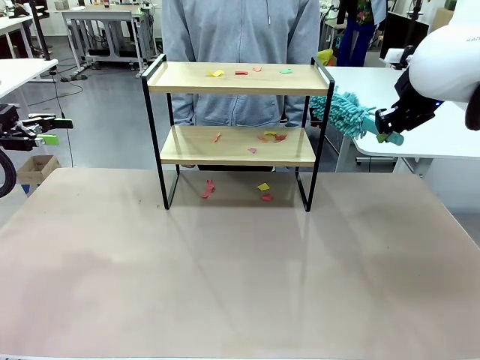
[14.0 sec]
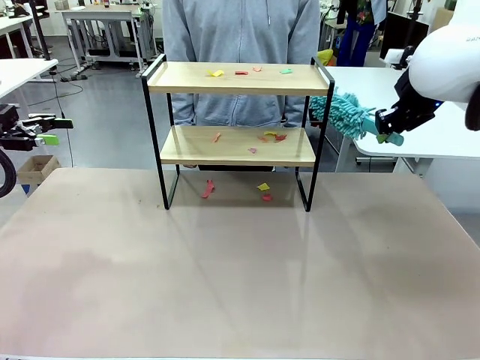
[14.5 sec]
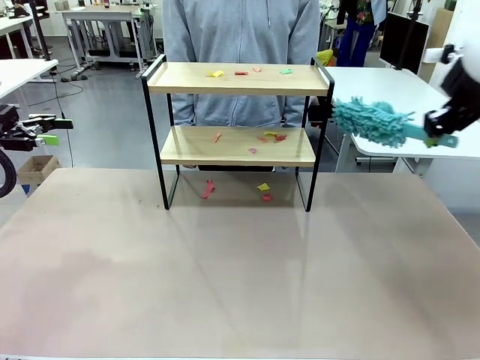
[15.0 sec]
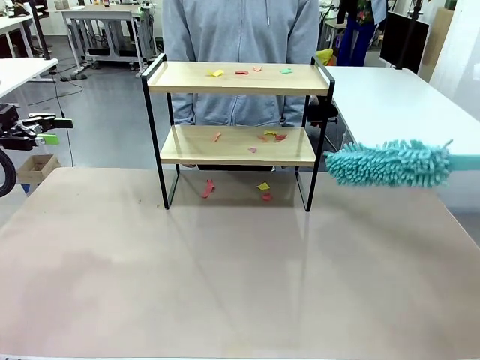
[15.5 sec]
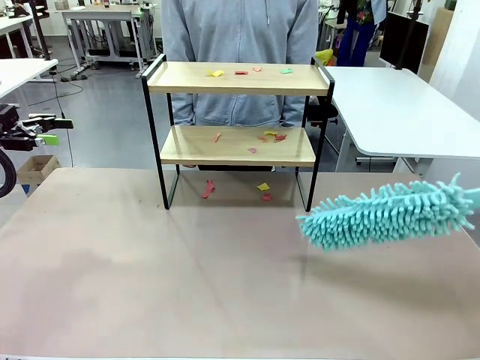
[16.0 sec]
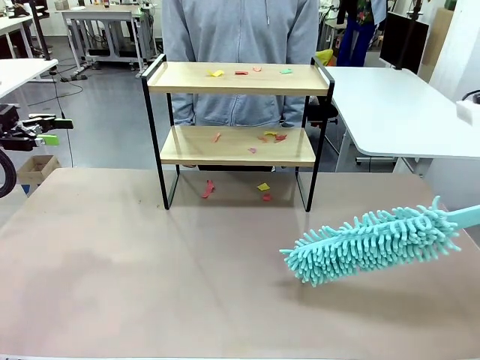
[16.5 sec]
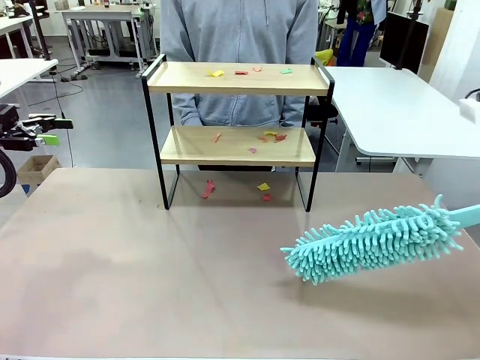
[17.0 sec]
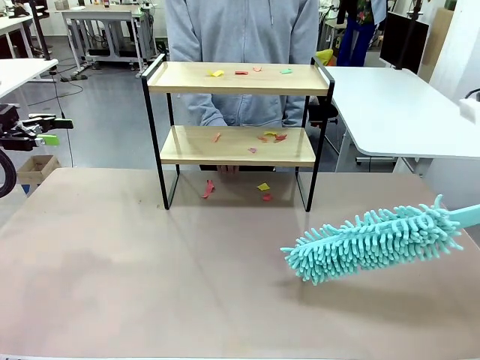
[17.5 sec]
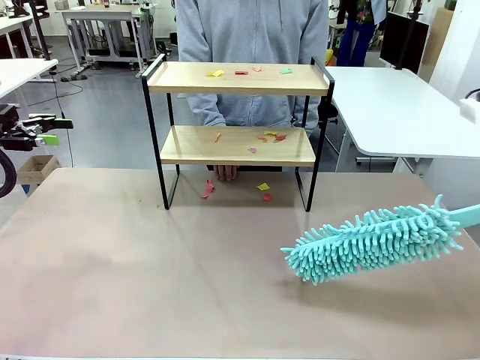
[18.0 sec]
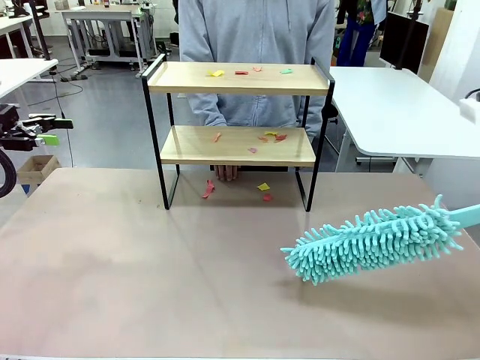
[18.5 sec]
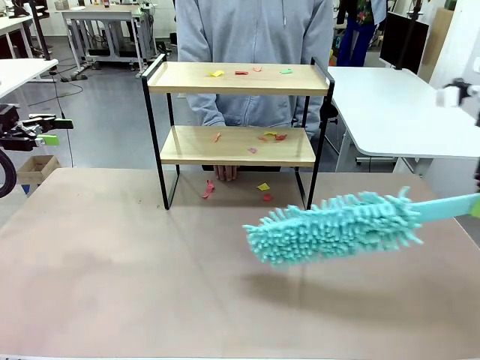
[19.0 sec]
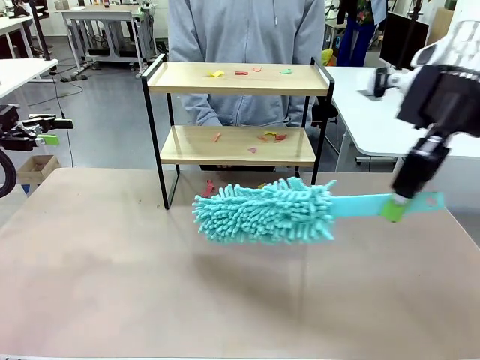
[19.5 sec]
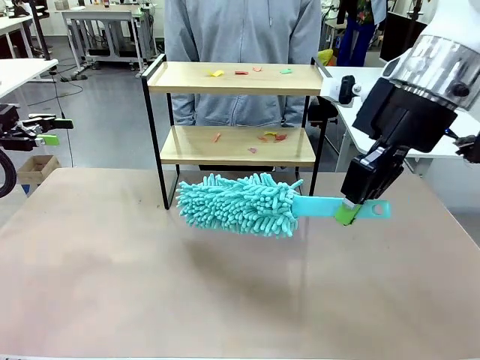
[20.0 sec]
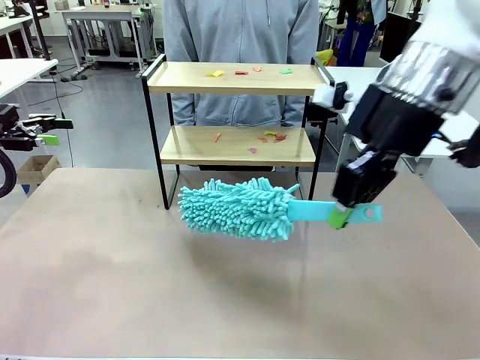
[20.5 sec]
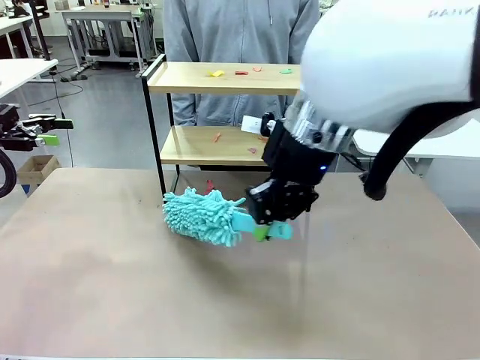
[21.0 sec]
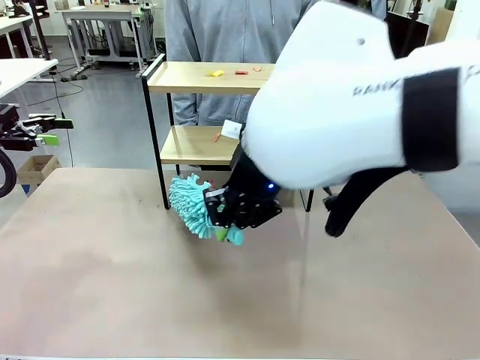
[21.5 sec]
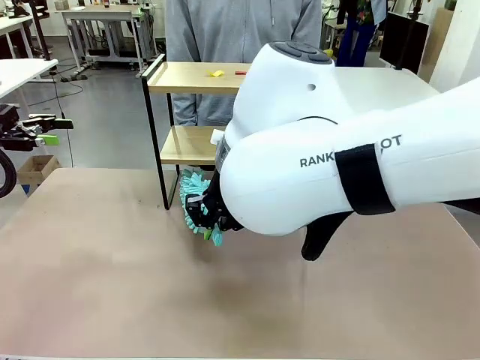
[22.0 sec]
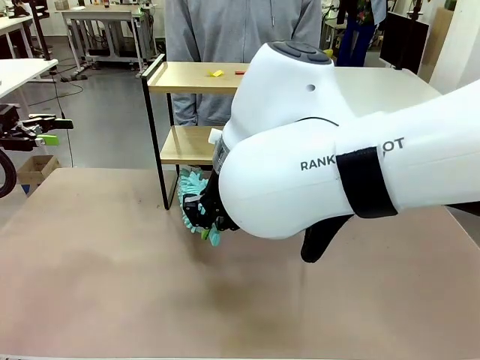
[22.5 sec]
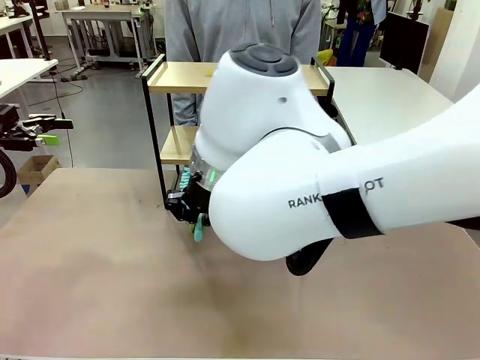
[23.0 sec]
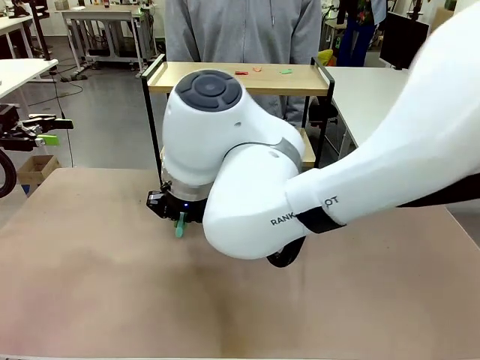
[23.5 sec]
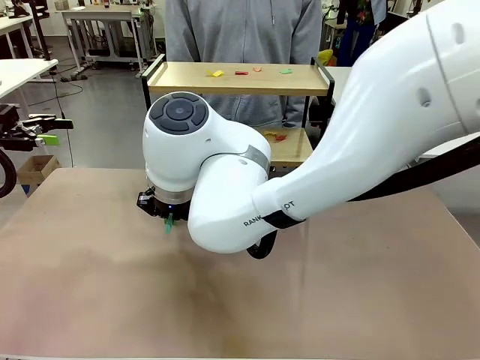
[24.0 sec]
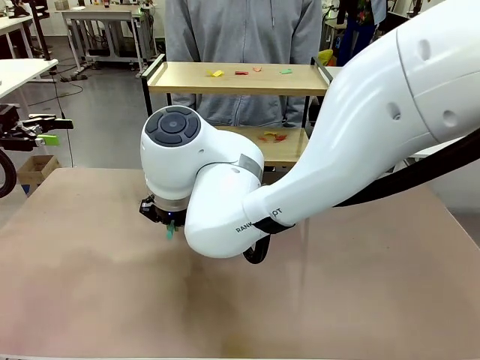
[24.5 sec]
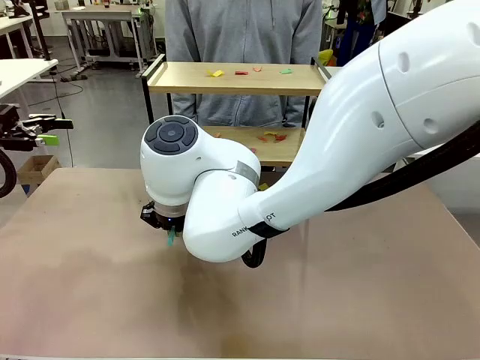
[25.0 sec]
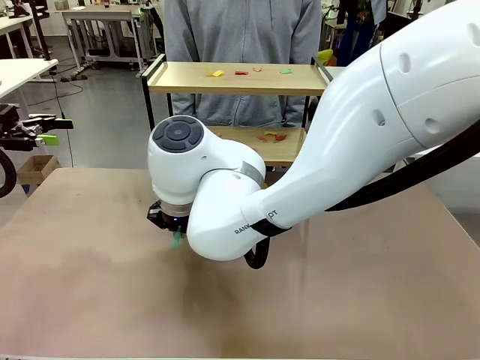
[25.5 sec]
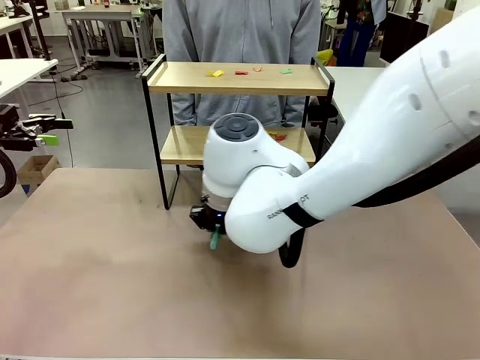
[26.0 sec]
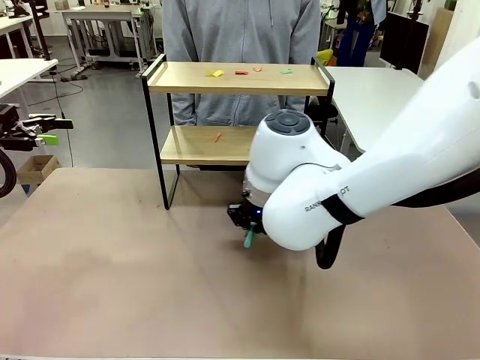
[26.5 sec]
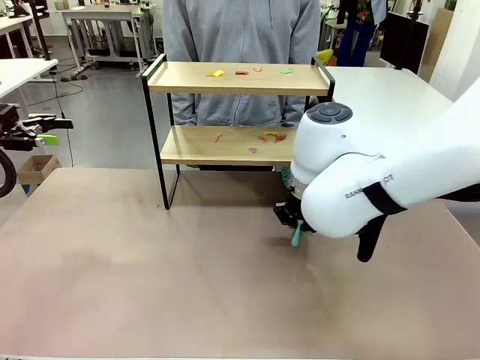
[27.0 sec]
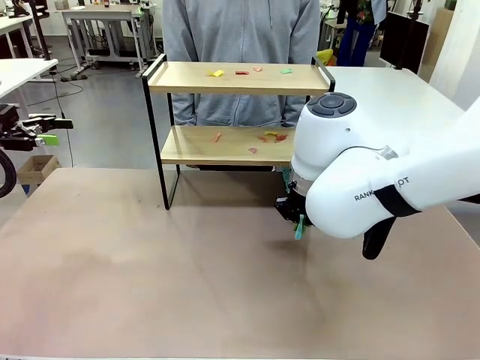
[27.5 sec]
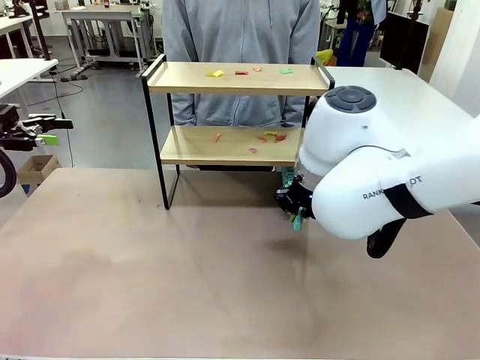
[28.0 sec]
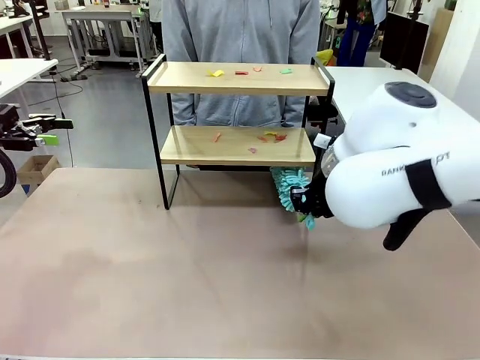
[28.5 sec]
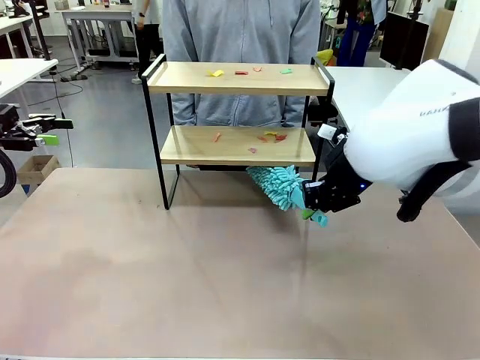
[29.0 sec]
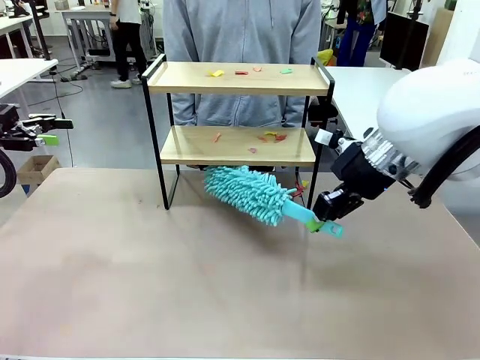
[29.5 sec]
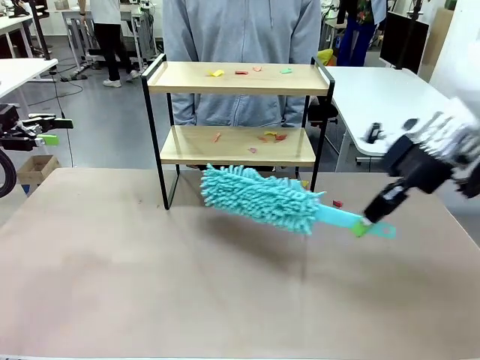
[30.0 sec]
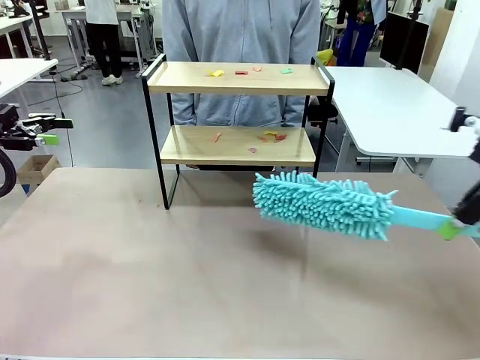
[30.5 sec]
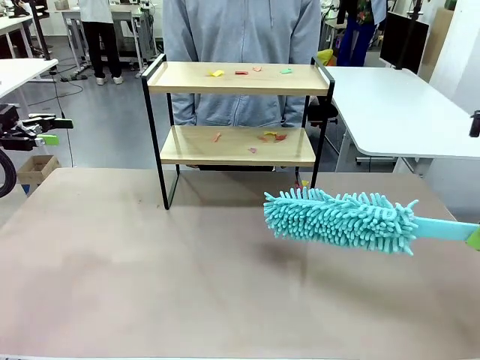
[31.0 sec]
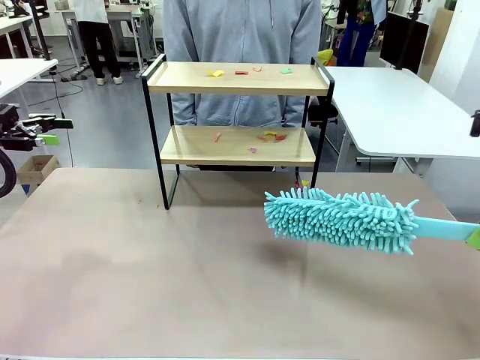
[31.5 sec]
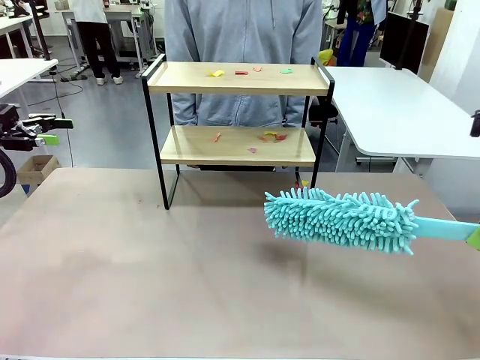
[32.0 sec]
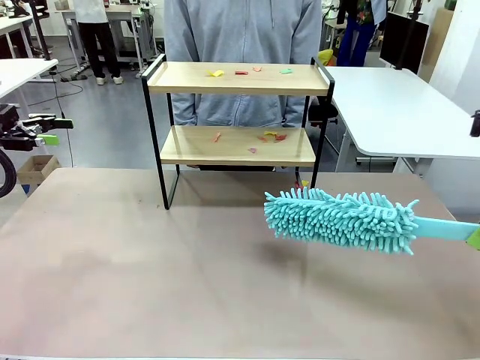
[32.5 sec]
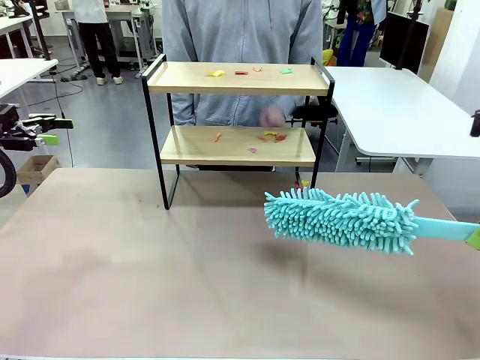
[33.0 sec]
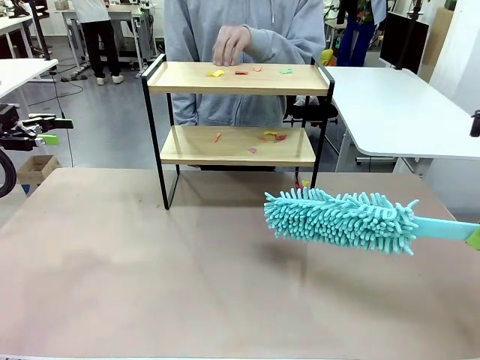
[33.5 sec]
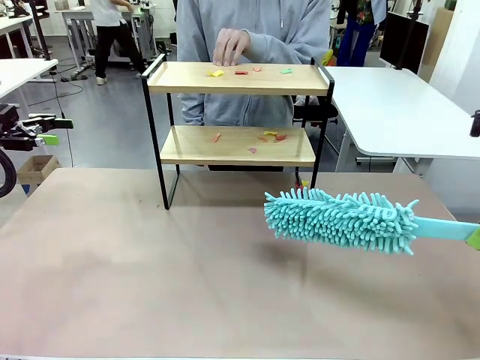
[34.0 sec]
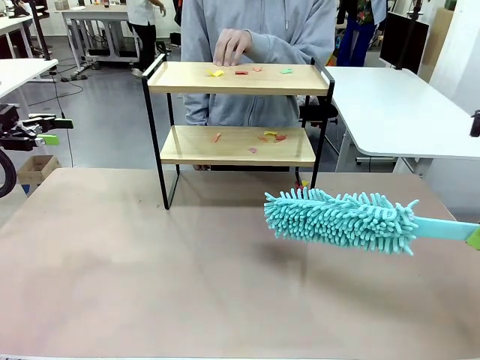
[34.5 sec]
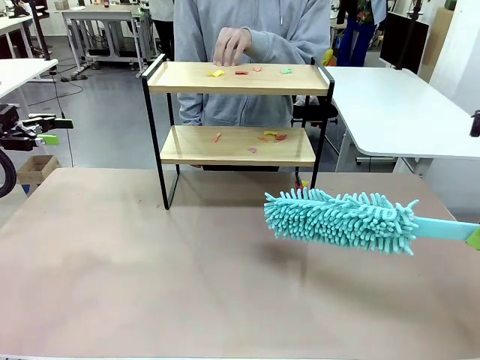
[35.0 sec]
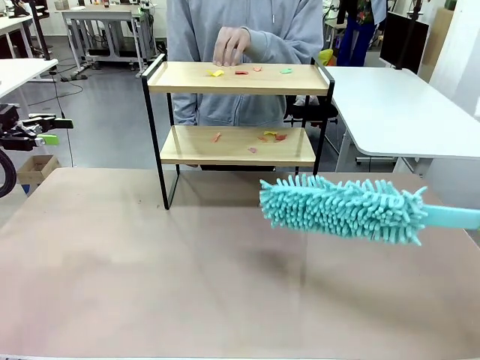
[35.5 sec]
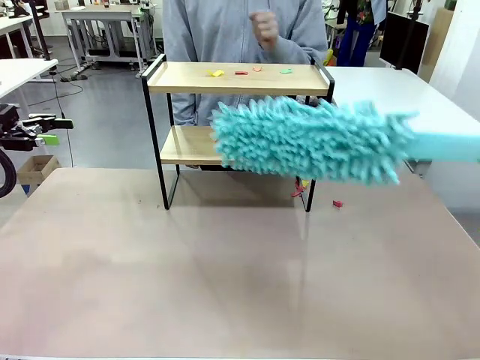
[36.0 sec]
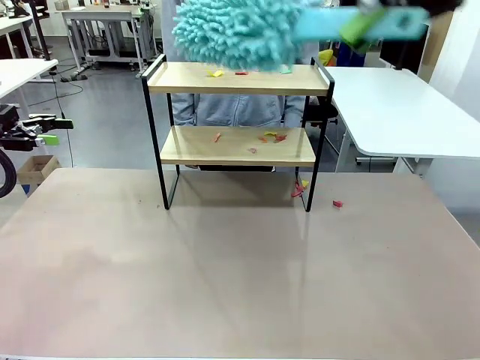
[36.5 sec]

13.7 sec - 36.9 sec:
Task: Clean the shelf.
Robot: Clean the specific section of the Shelf indicated by the human with the Duster.
Person: Point a random section of the Shelf.
